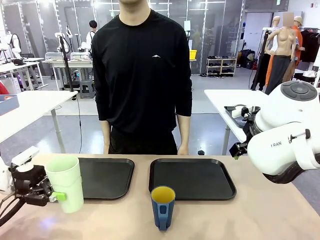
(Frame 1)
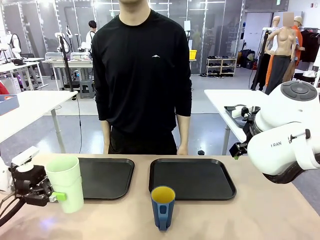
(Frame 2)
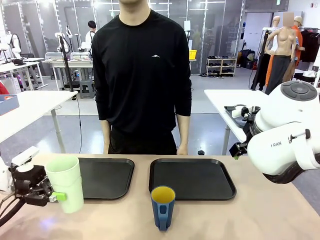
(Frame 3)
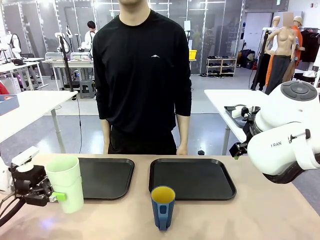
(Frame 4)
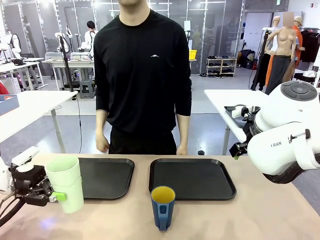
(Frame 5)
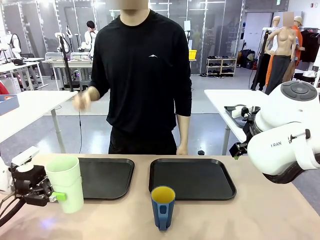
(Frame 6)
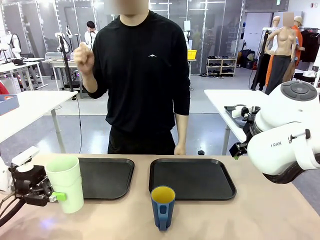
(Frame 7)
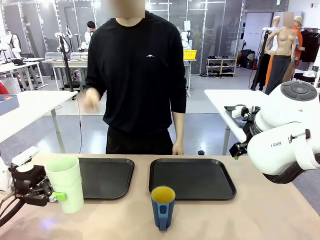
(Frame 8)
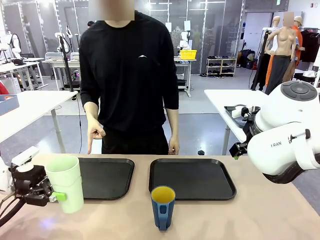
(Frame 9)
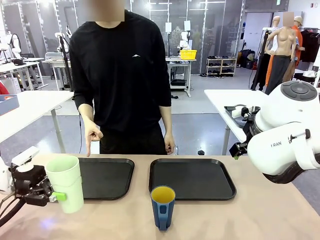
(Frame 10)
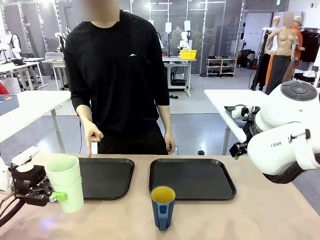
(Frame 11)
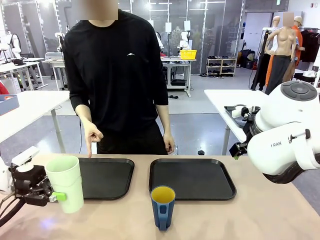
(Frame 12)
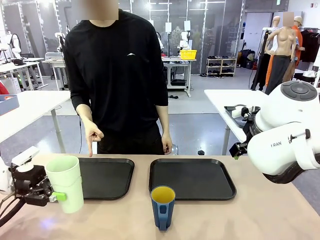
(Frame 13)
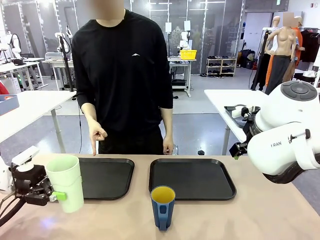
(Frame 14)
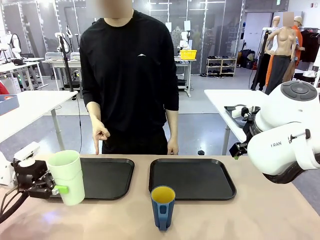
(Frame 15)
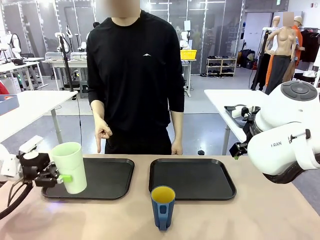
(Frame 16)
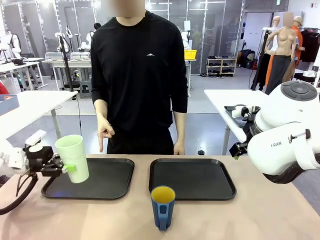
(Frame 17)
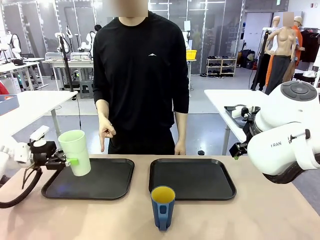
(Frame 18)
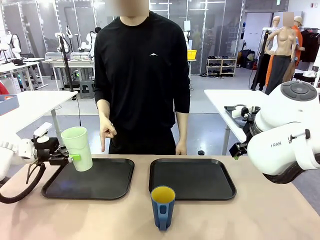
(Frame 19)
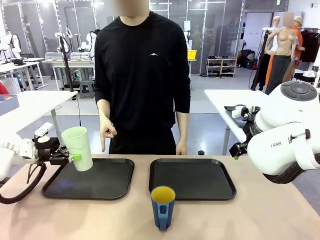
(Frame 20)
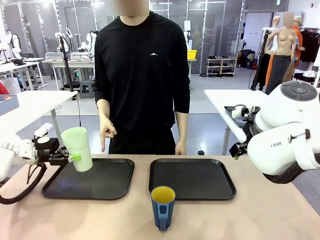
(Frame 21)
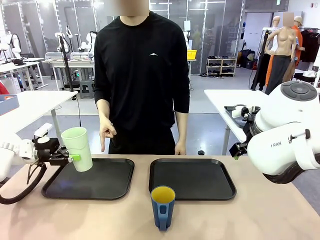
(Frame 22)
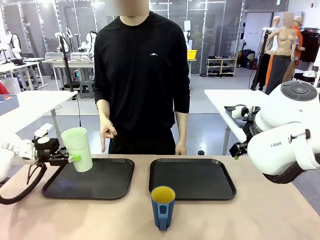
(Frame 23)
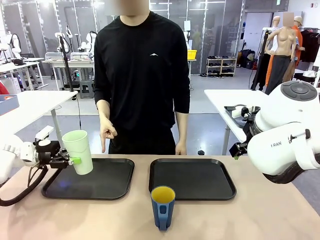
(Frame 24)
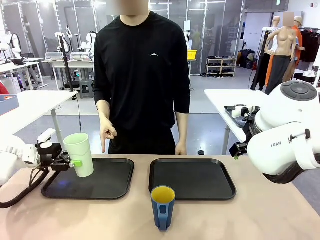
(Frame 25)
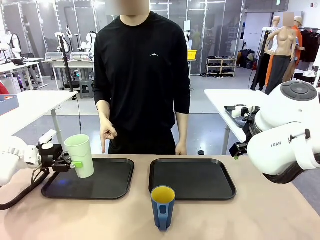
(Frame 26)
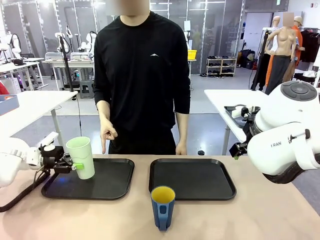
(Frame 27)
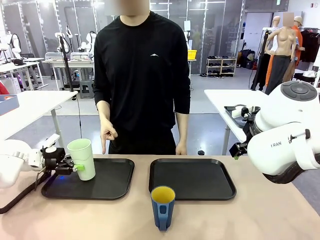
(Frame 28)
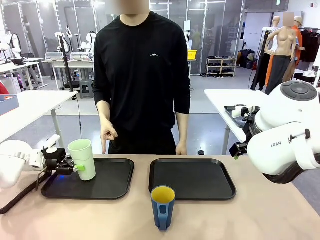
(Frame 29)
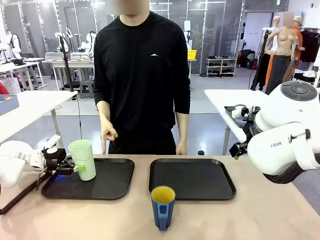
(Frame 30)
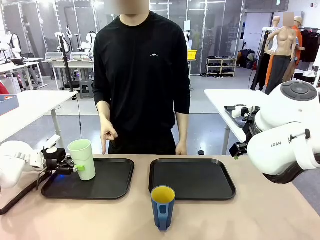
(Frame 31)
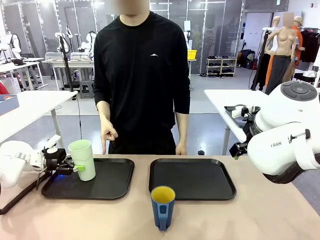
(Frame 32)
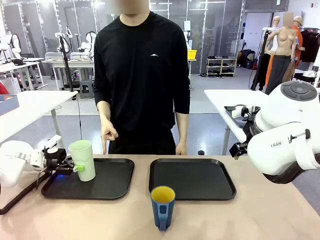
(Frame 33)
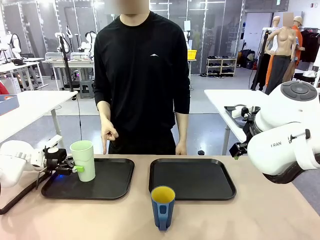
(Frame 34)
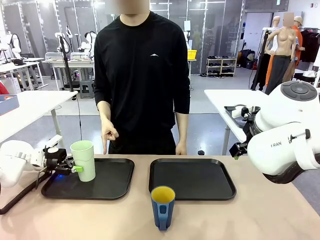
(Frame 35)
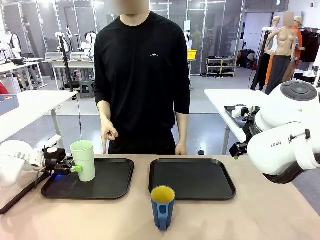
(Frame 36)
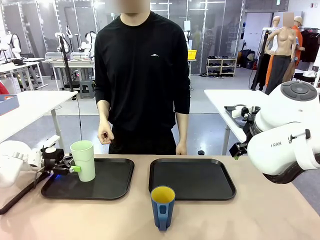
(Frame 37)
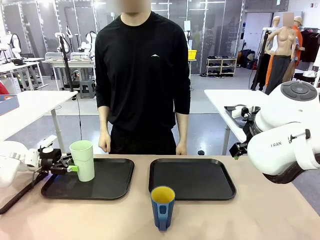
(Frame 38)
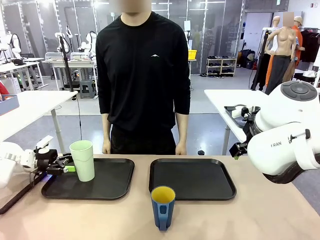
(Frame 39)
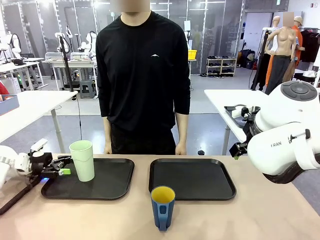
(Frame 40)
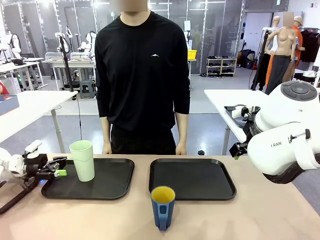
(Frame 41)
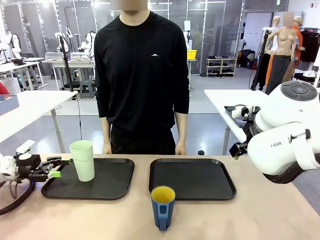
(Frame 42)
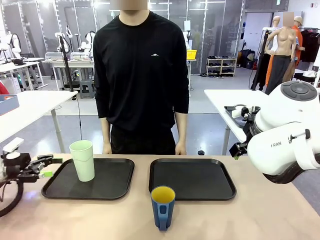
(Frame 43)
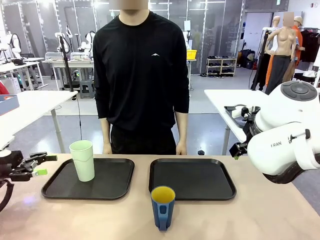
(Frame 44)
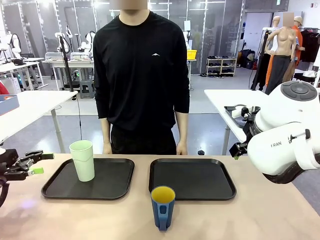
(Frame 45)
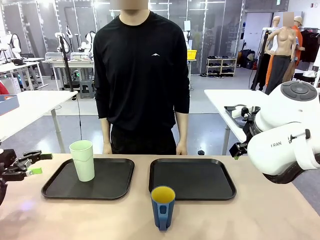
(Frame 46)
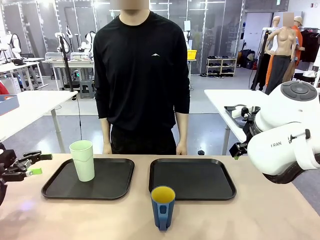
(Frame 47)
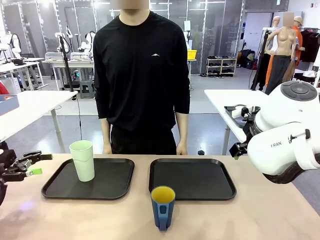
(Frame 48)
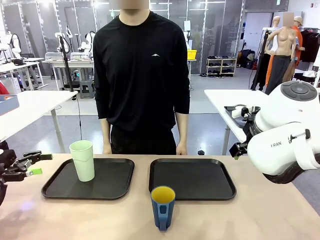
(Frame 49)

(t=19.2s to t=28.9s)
Task: Sort and store the cups by type.
Robot: Place the picked Reusable plastic cup into the Flat Tray indicated by the person.

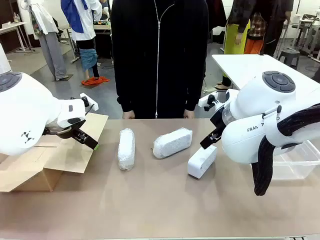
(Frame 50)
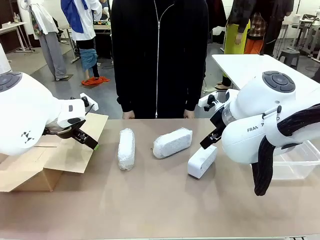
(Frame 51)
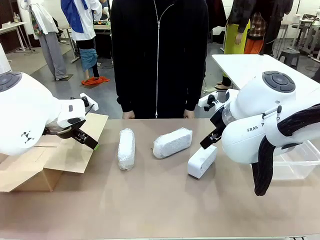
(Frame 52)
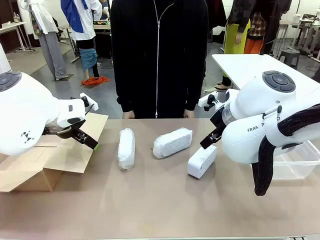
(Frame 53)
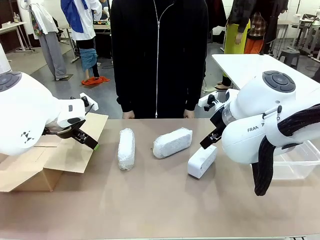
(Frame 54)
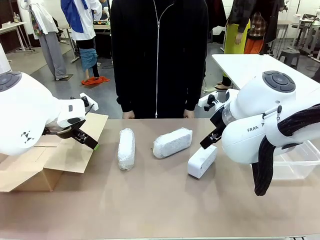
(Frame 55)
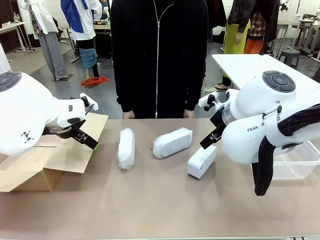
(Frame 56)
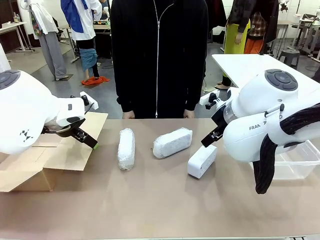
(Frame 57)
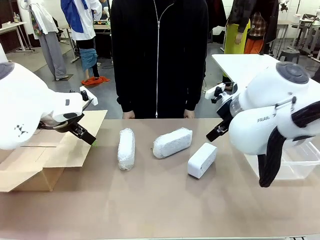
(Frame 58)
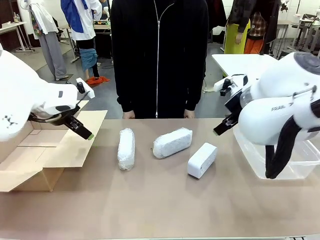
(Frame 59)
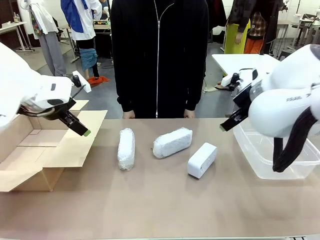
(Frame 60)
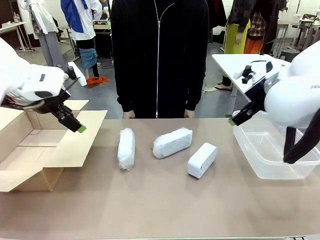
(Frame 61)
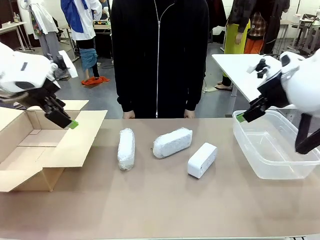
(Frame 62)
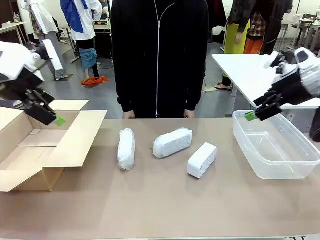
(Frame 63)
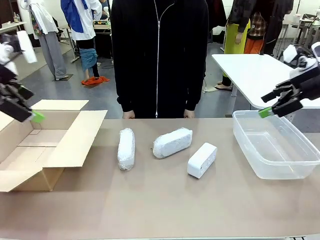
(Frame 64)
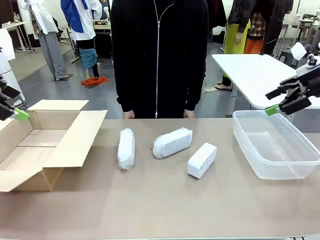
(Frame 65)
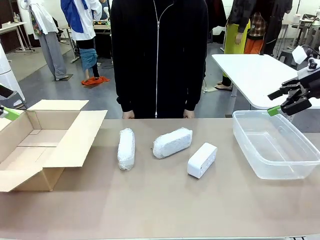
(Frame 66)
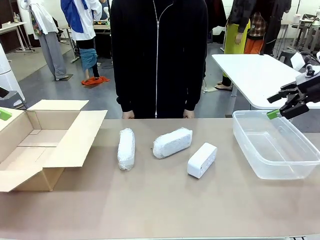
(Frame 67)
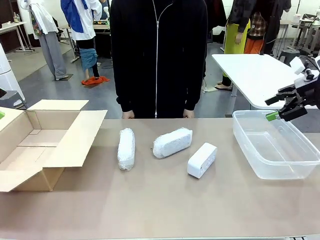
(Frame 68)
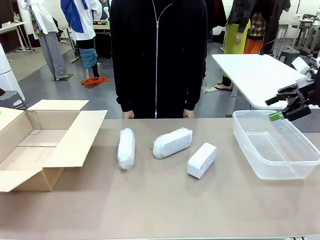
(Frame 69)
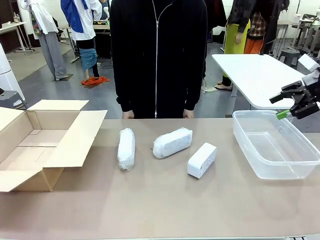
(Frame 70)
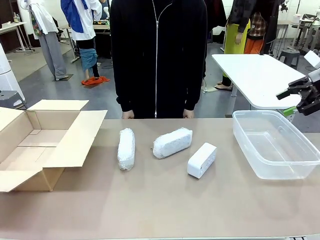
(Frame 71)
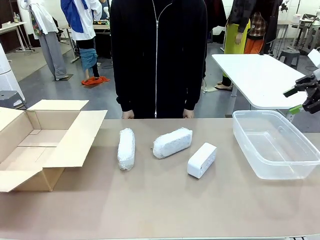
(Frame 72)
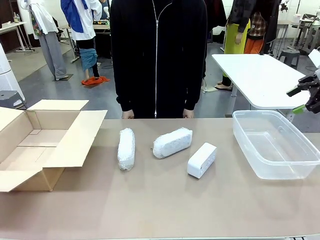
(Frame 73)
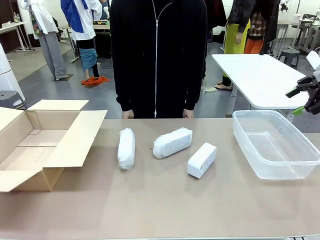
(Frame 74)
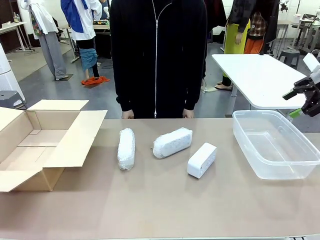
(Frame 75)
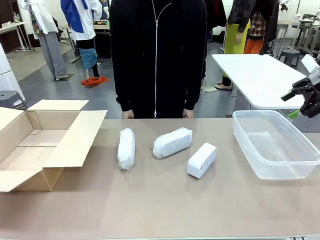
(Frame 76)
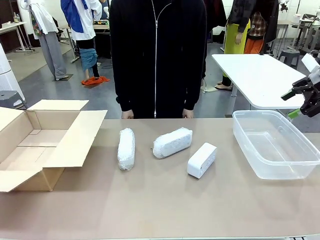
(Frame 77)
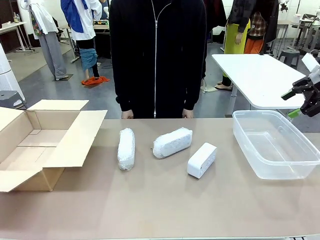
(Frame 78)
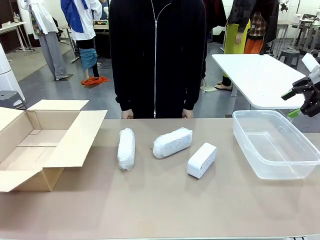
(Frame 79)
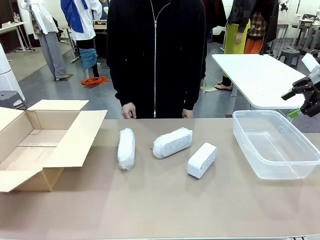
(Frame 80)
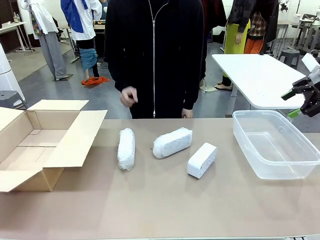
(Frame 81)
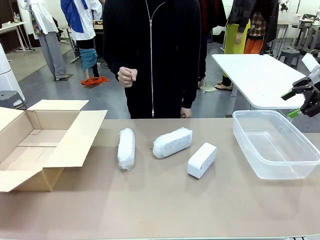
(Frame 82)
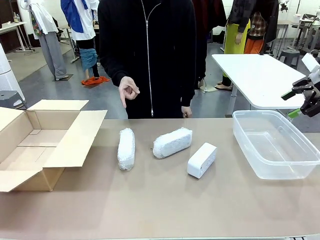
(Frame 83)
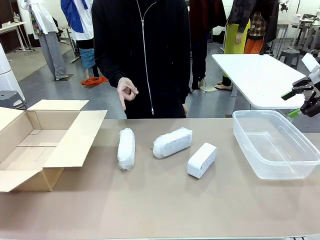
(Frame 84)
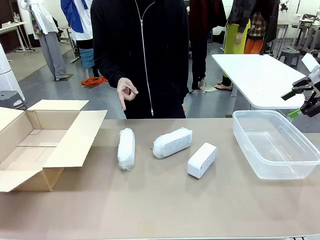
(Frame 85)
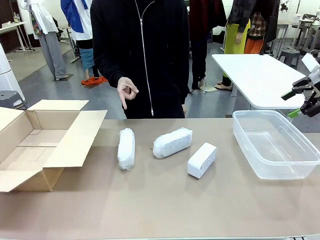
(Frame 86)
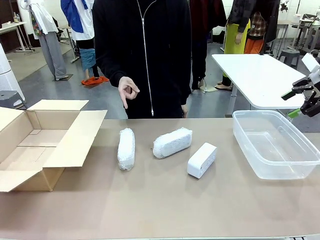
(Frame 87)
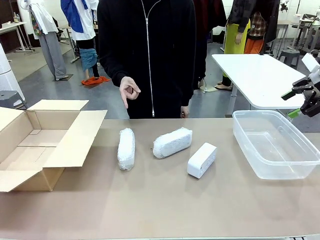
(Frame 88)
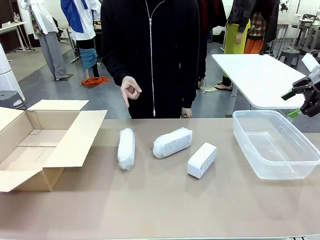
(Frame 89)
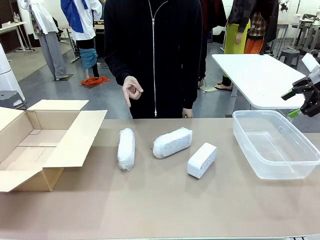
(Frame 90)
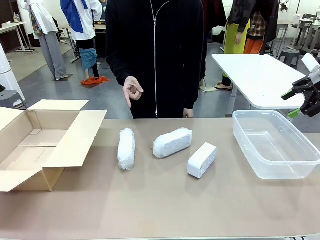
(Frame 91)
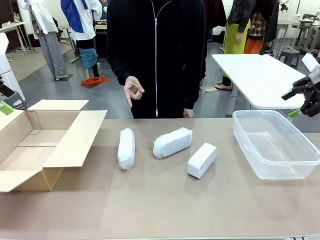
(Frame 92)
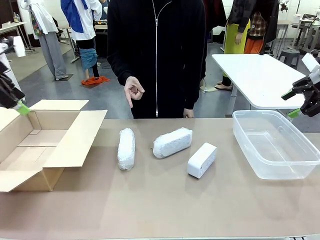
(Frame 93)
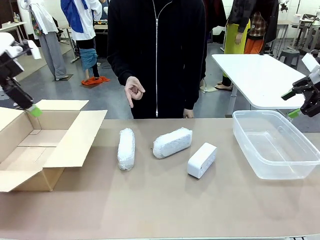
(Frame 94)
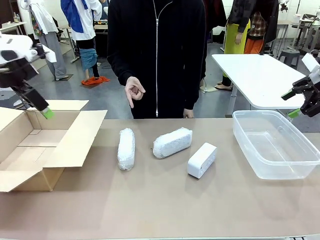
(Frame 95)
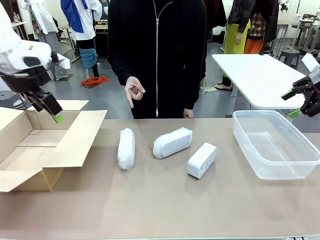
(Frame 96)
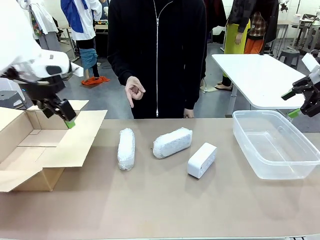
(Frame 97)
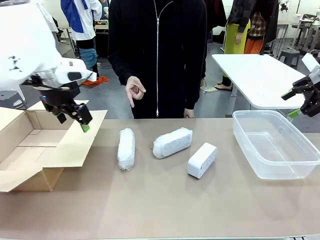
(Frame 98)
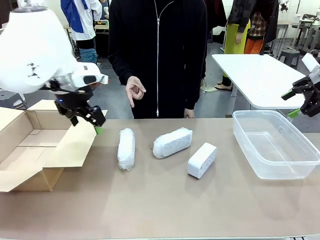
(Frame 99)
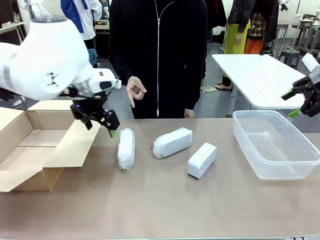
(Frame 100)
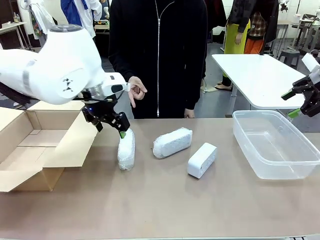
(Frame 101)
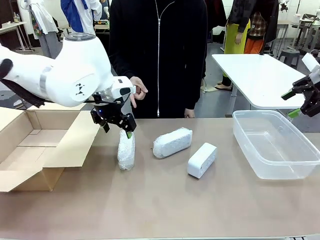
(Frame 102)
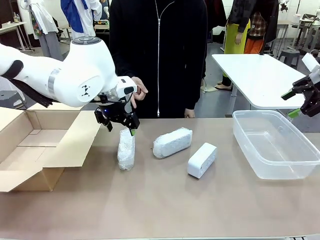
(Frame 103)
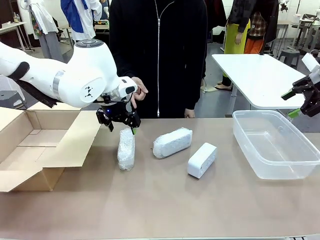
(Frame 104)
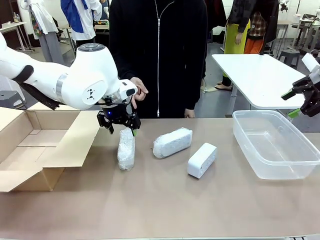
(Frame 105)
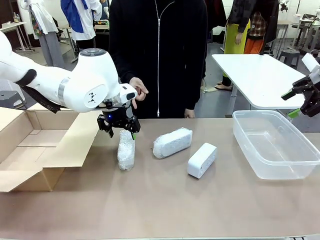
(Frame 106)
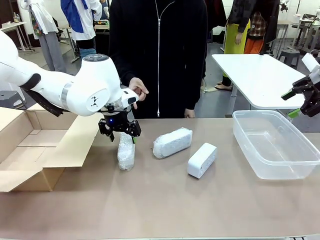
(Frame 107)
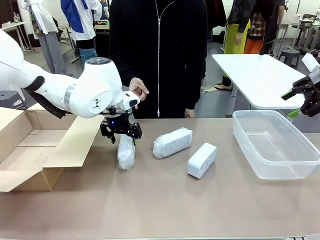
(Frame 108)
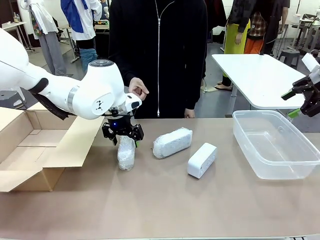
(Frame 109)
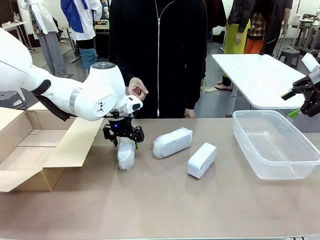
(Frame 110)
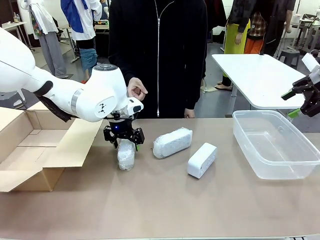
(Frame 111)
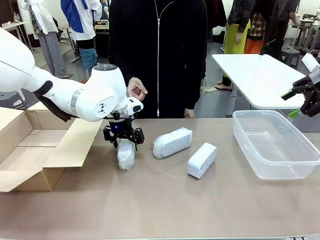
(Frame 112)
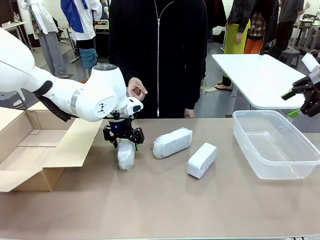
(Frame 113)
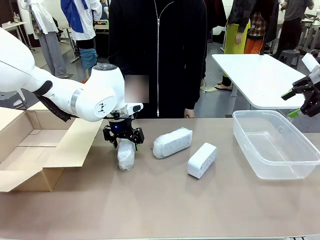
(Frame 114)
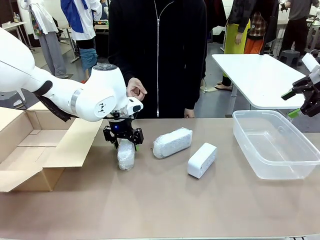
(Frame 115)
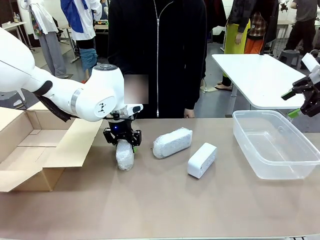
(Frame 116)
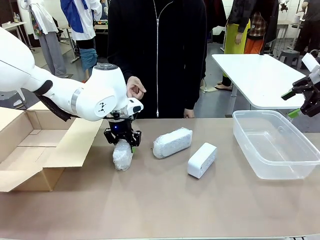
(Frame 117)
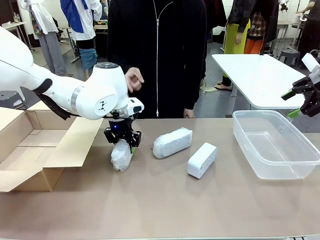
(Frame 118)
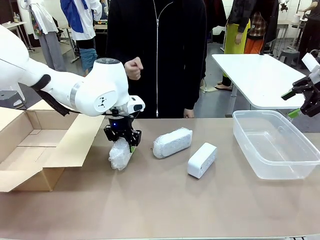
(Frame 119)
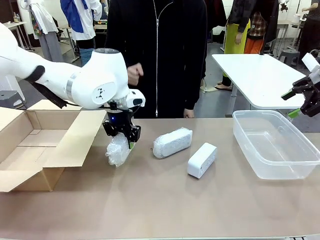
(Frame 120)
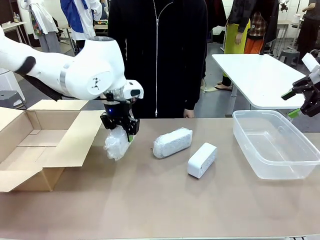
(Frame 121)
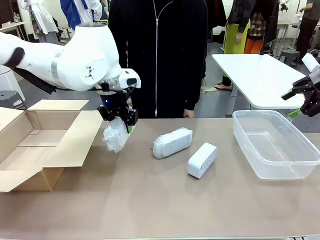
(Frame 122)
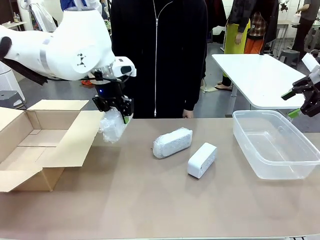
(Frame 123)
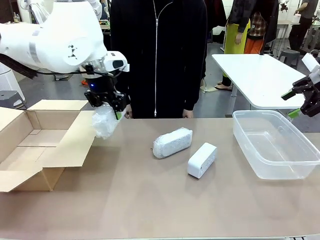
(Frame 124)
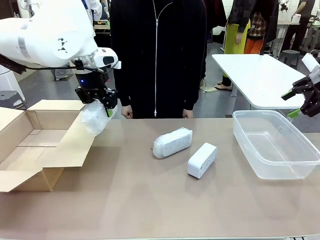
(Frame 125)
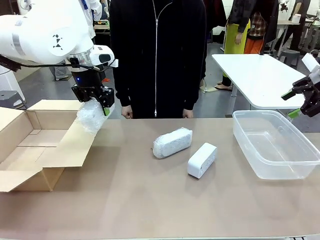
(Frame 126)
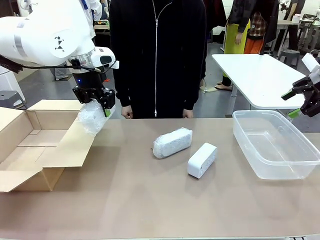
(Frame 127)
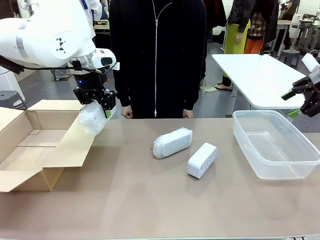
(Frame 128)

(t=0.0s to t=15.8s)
Task: Separate and place wrapped and unwrapped clocks.
Robot: Pick up the Digital clock indicated by the person.
